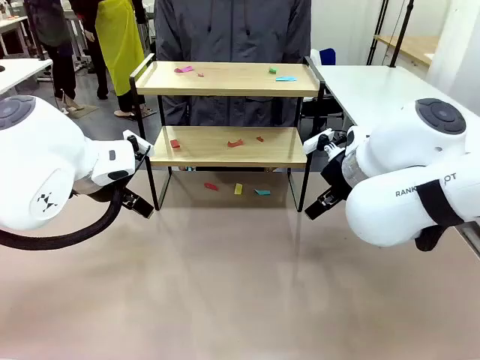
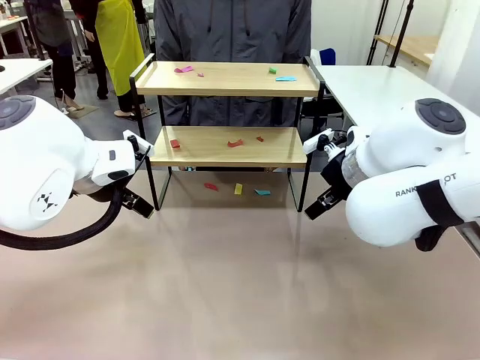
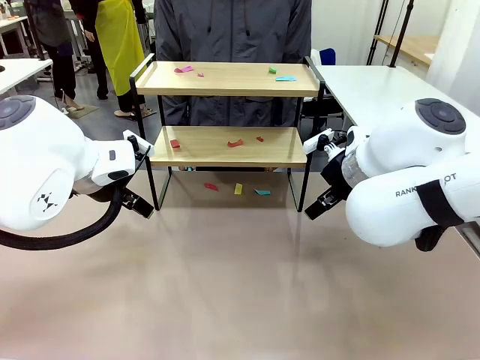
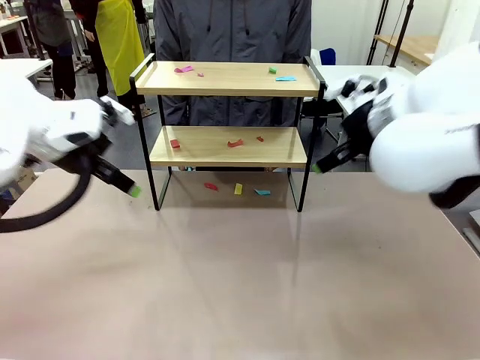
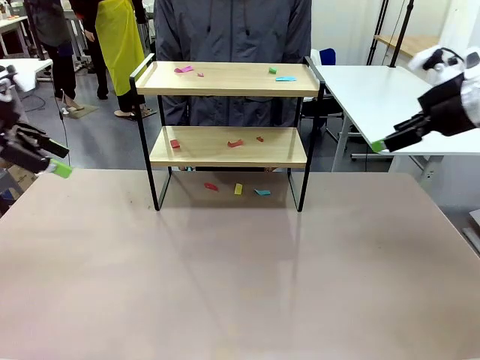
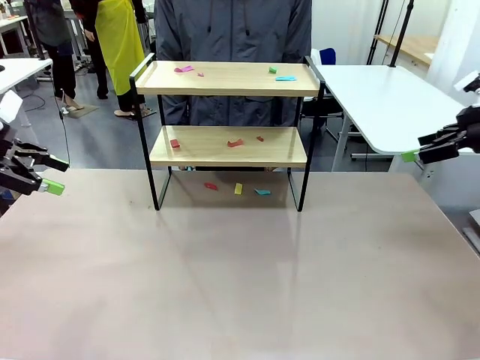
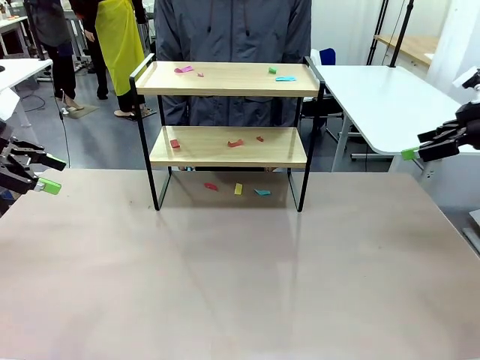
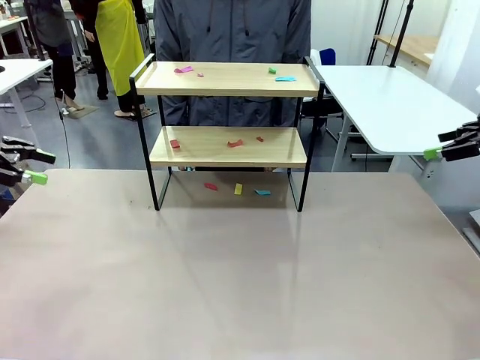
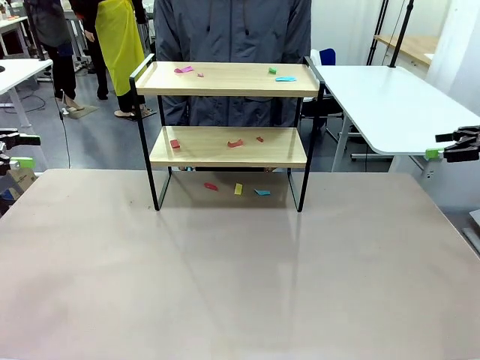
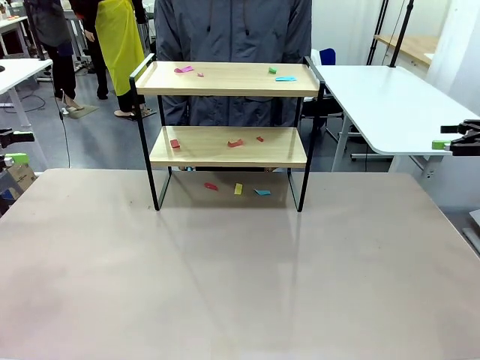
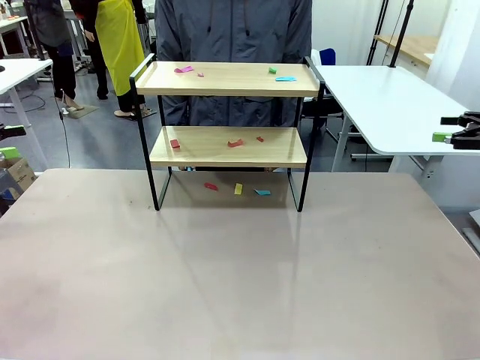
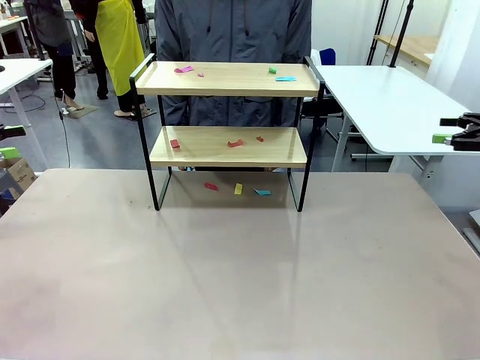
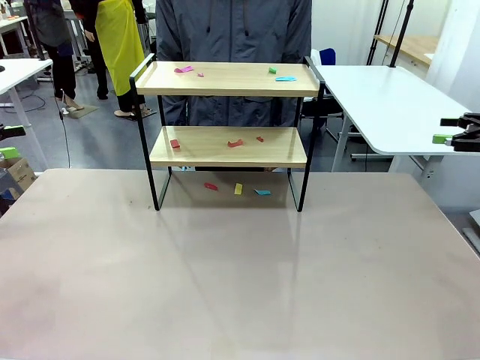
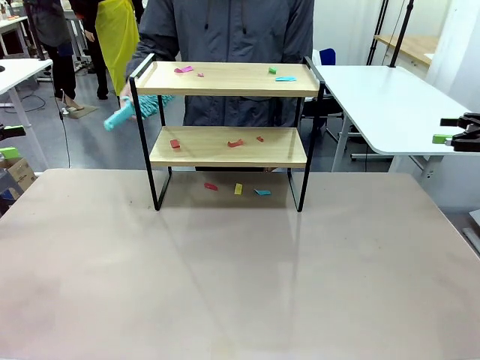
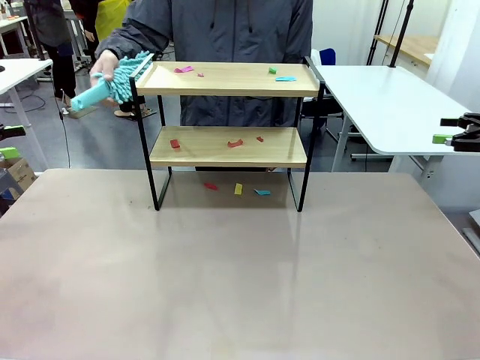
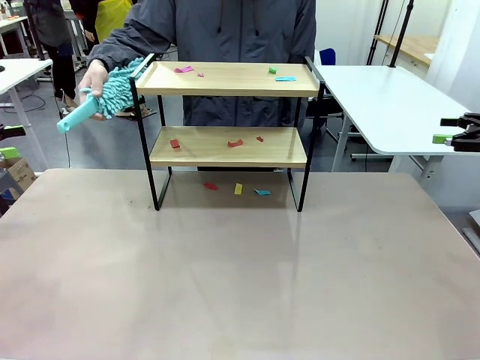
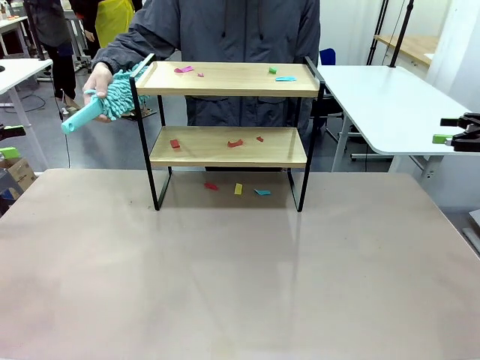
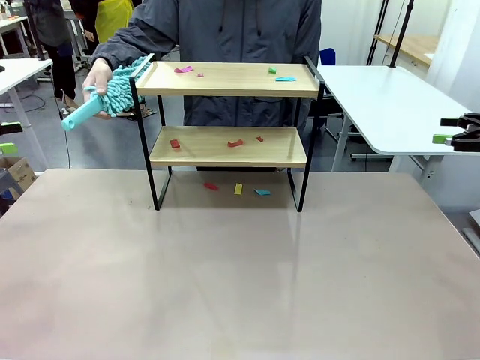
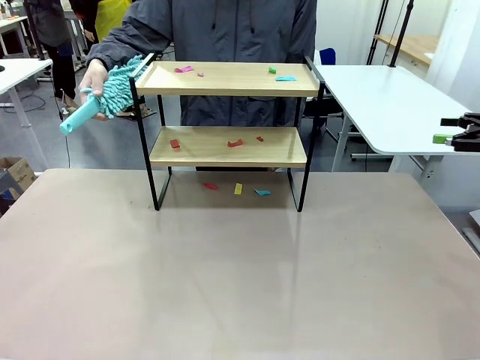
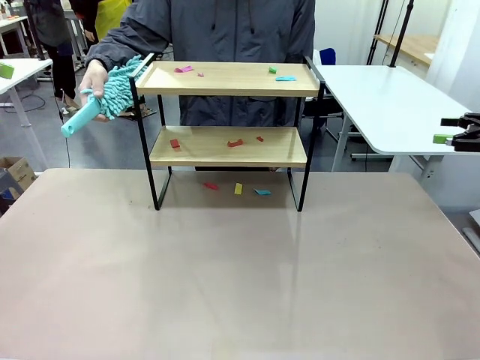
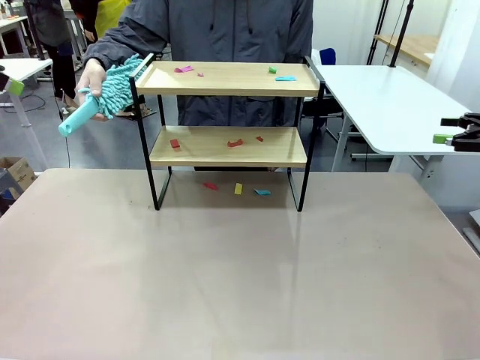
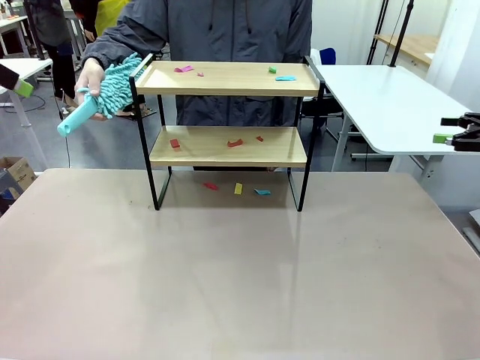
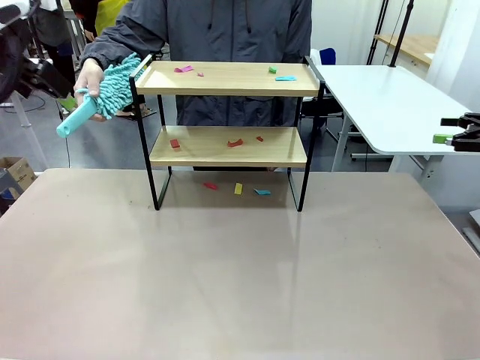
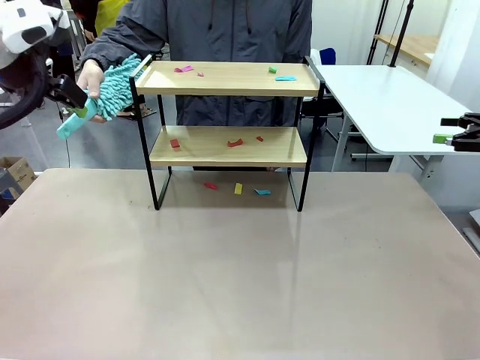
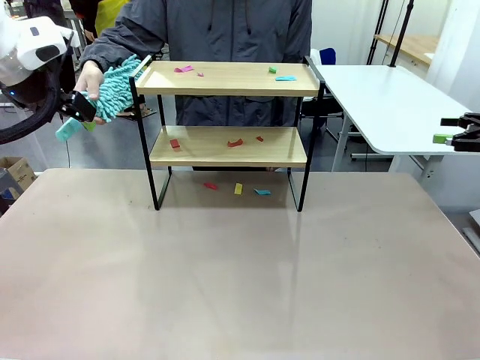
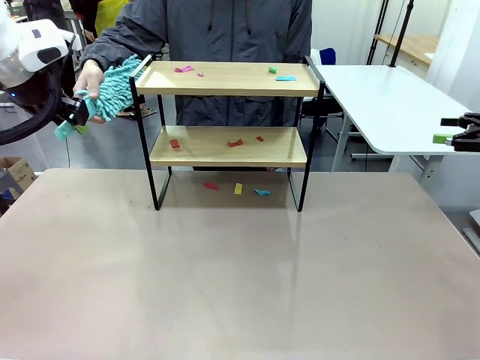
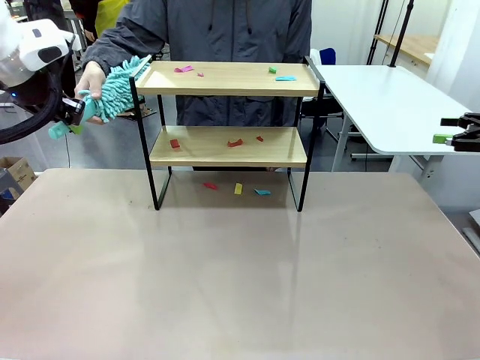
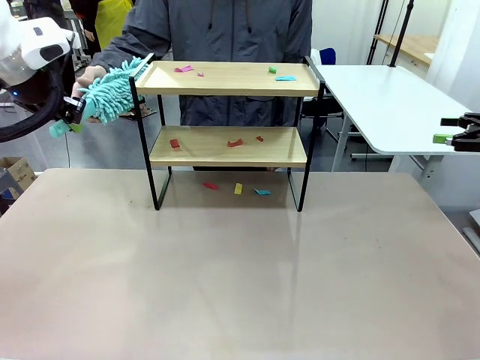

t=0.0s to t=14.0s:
Task: Clean the shelf.
Robot: Pick up the Duster handed by the human.
Person: Hand the Duster to the robot.

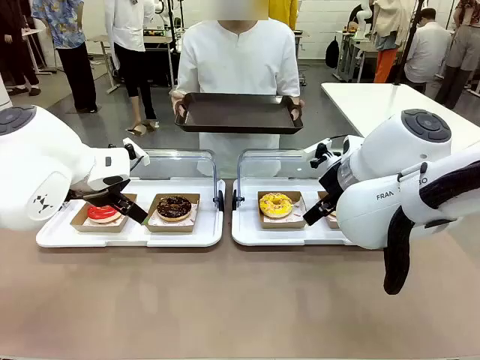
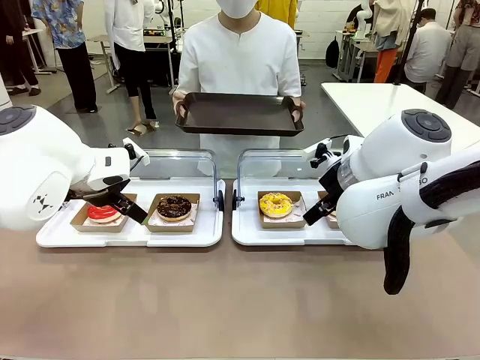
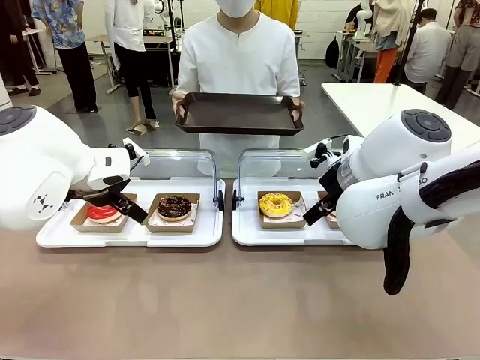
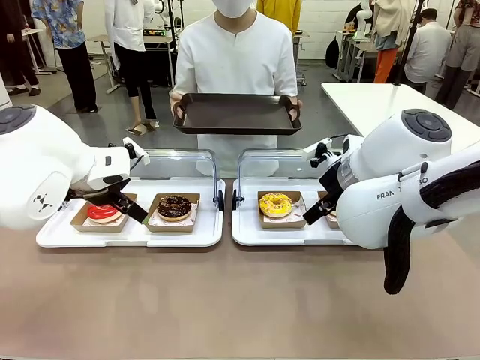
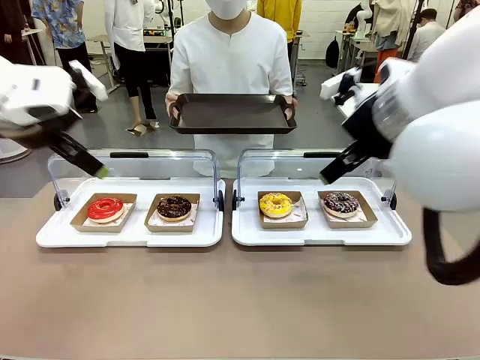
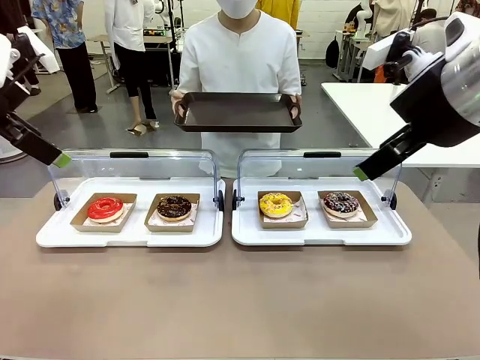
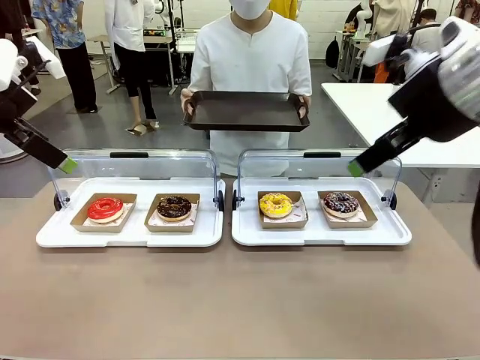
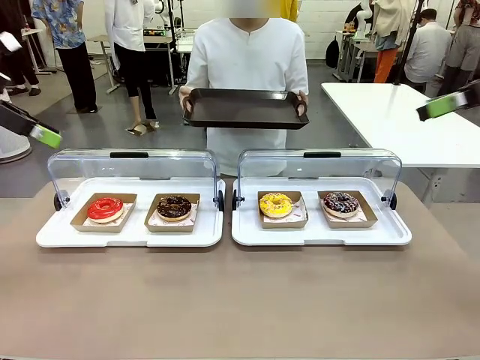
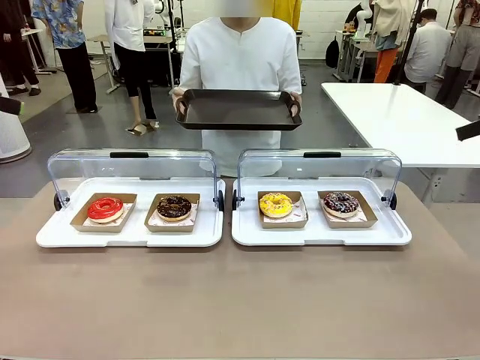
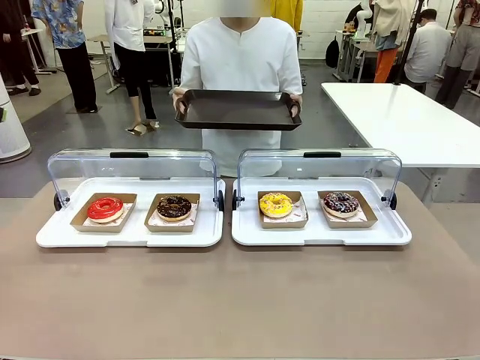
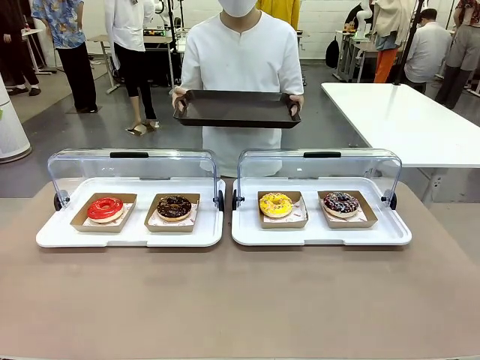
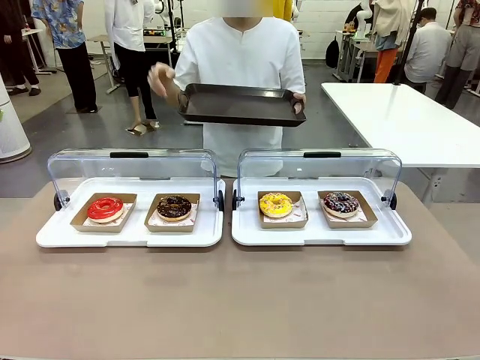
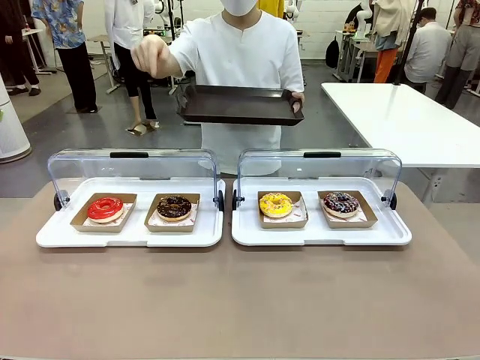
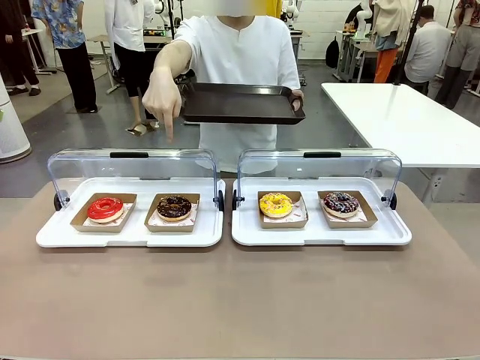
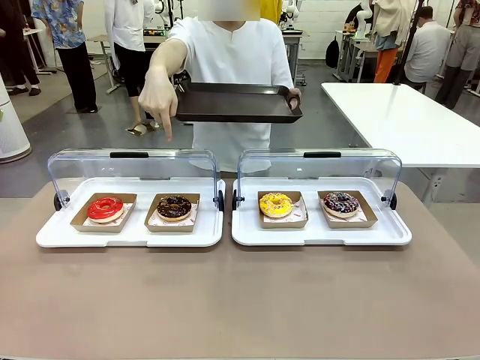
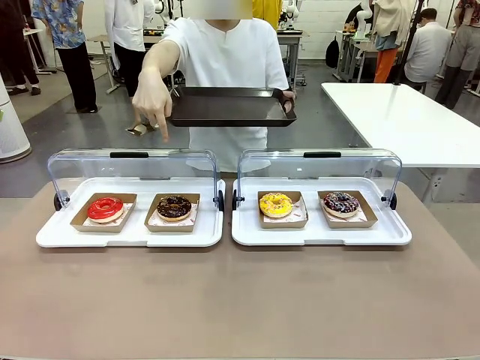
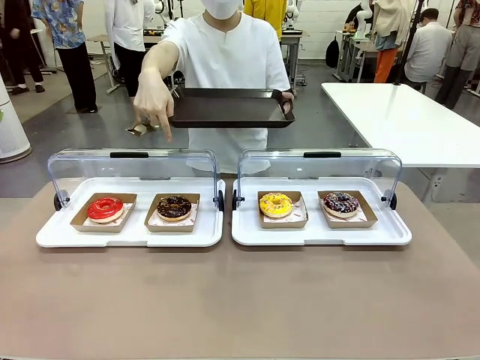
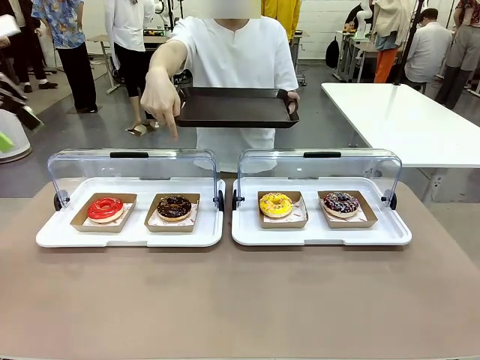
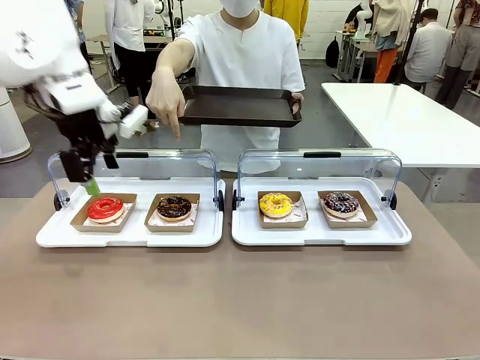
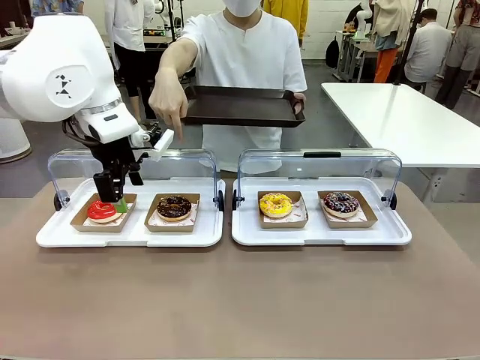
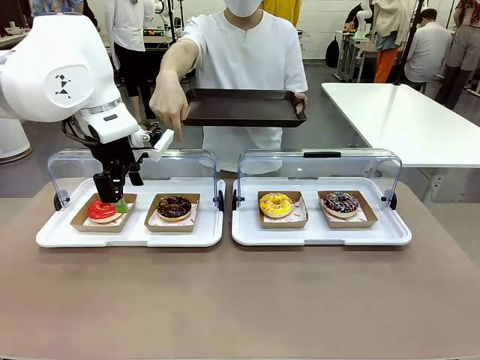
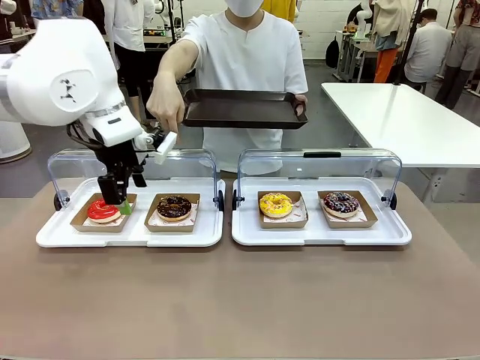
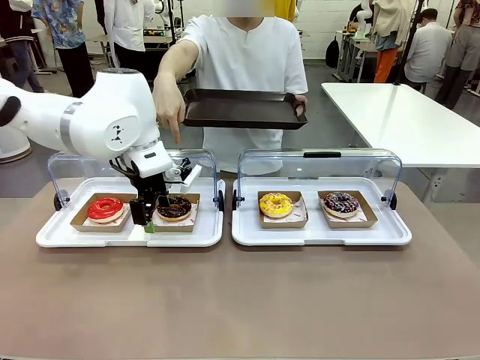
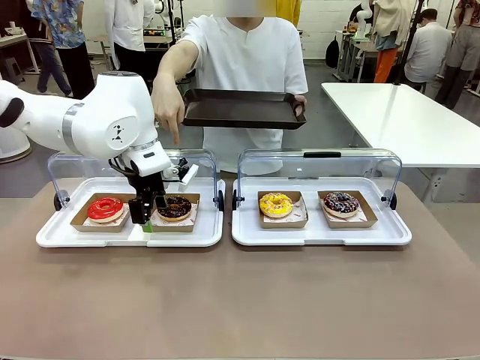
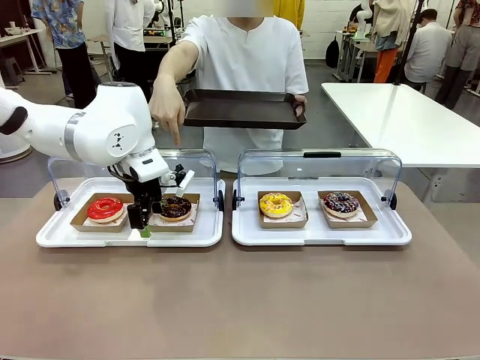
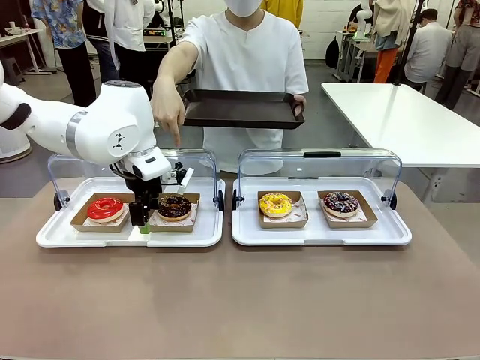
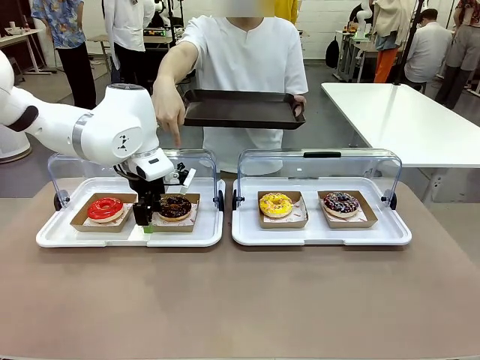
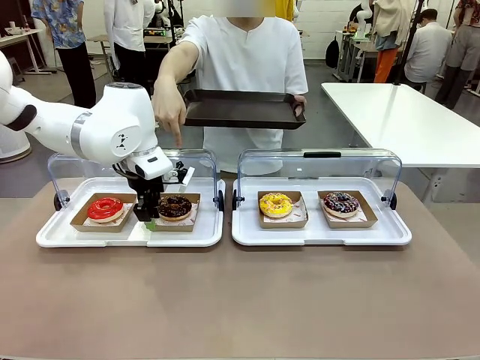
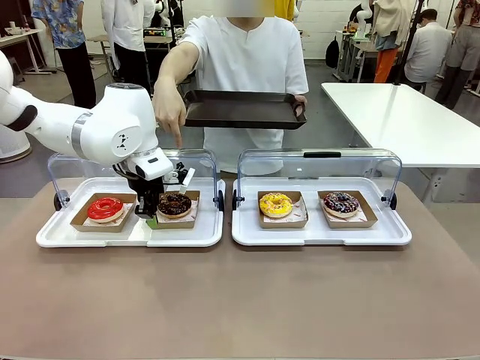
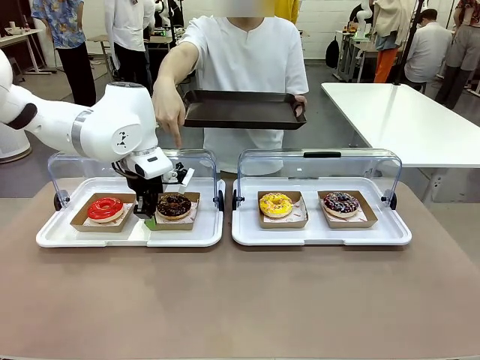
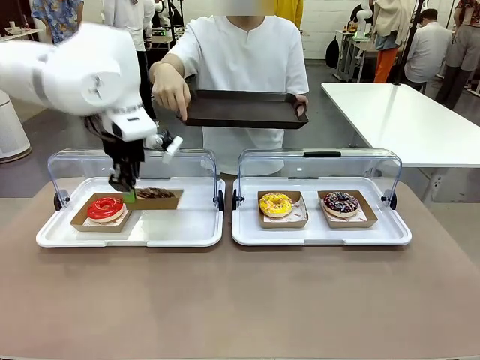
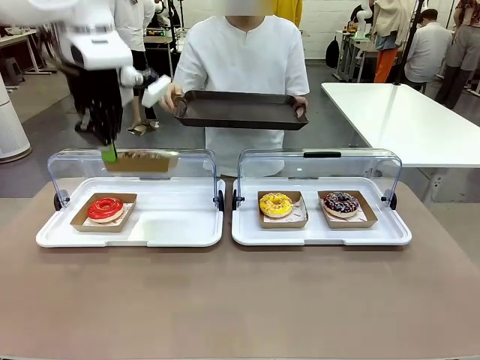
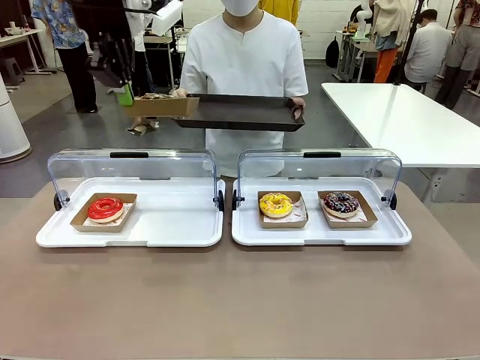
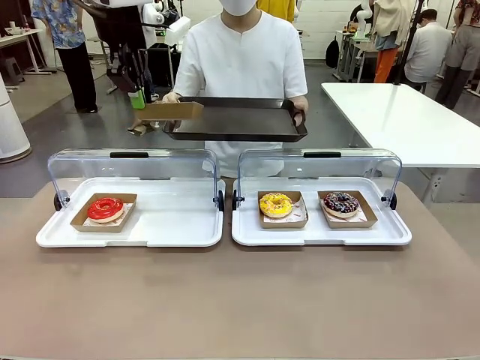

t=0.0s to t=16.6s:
Task: Provide the desired donut to the person.
Robot: Pick up and lift the Paper togo box containing the Donut pointed at by the person.
Person: Point to one donut. Lift the tray onto the Roll-Top Bakery Case.
